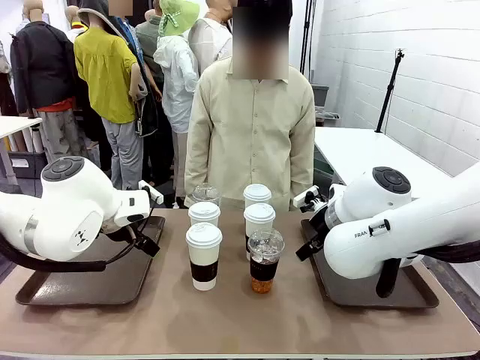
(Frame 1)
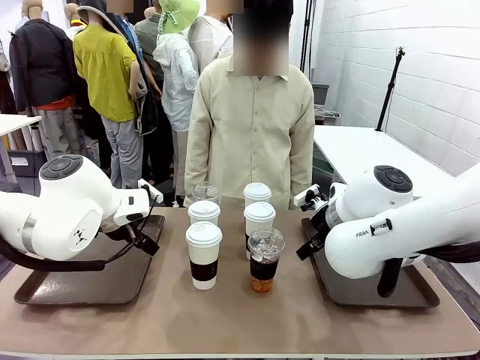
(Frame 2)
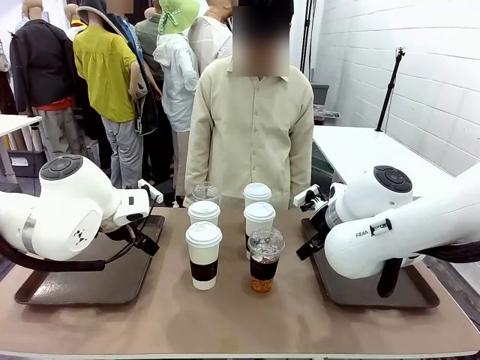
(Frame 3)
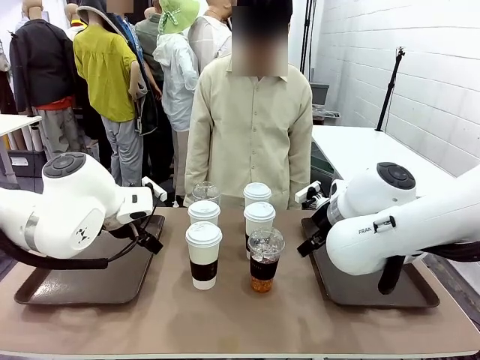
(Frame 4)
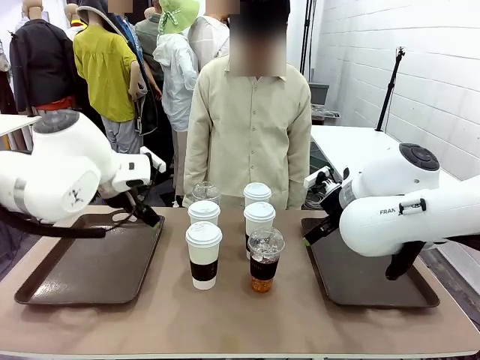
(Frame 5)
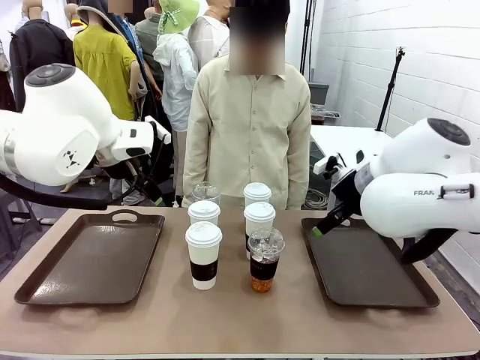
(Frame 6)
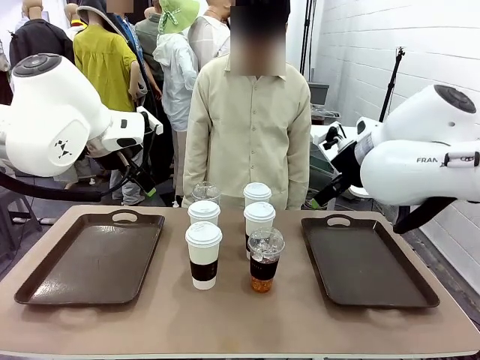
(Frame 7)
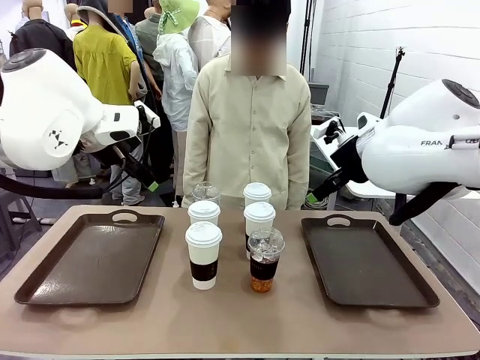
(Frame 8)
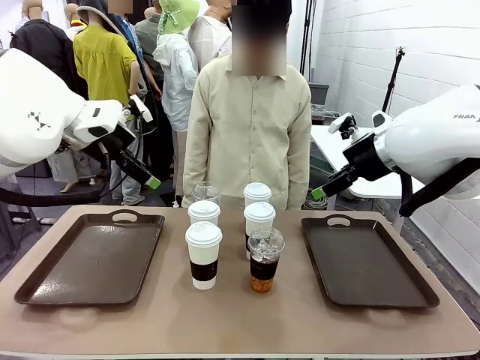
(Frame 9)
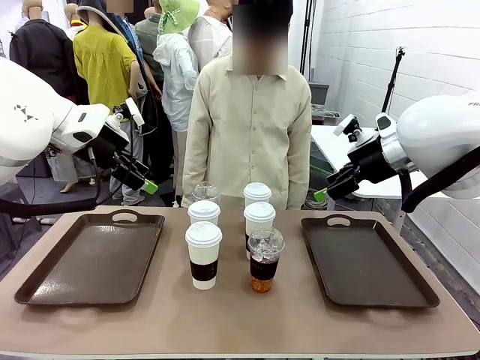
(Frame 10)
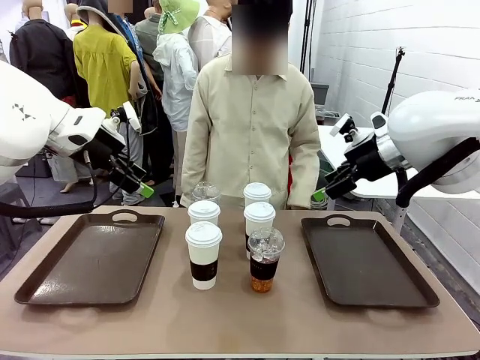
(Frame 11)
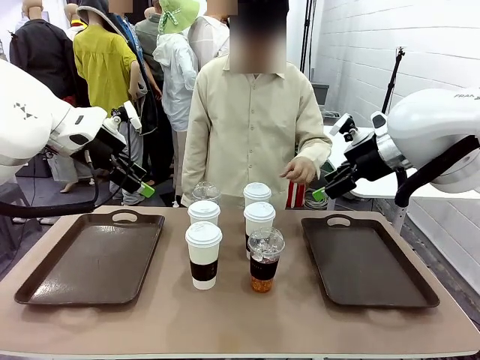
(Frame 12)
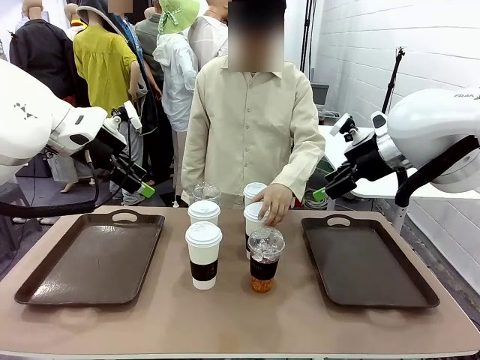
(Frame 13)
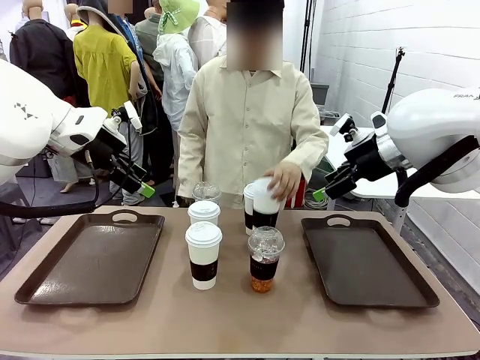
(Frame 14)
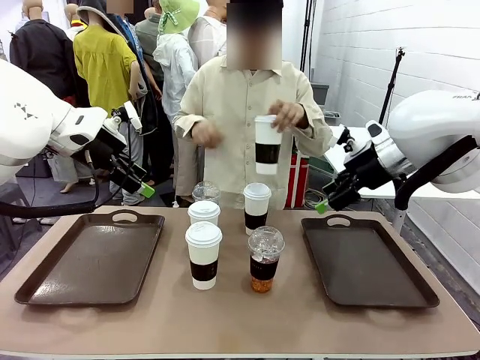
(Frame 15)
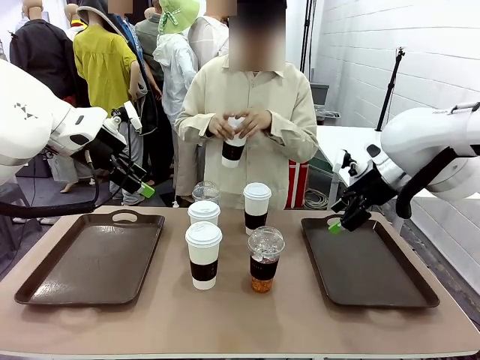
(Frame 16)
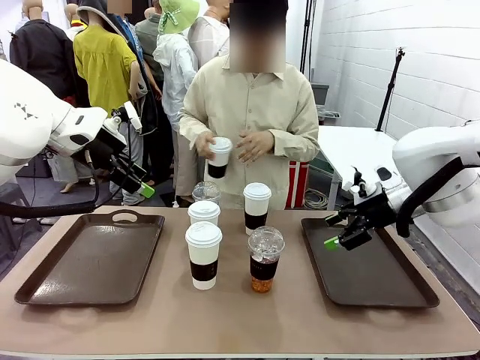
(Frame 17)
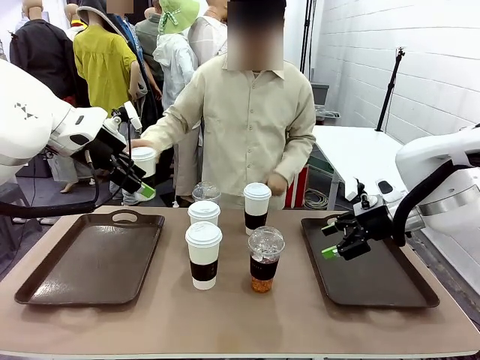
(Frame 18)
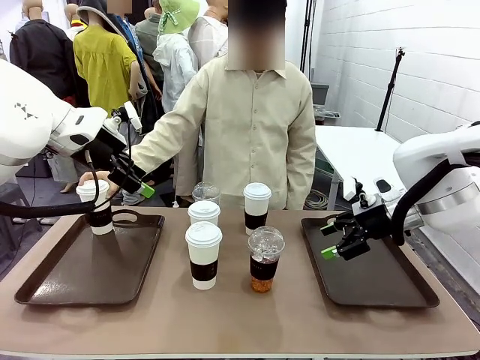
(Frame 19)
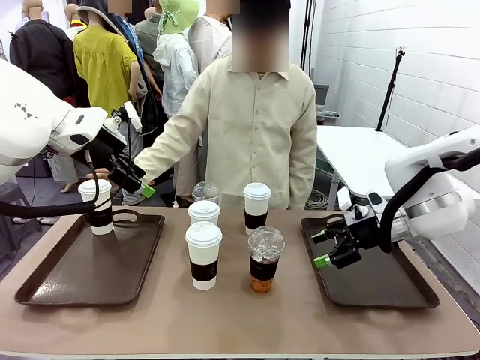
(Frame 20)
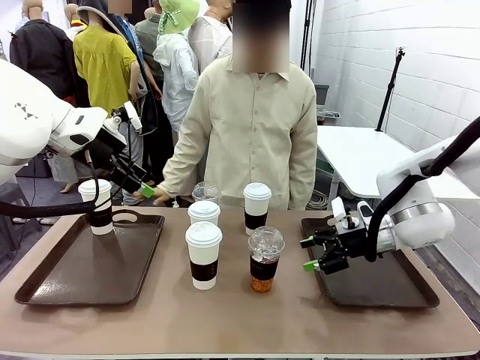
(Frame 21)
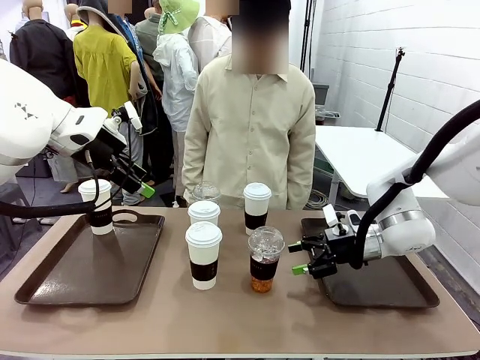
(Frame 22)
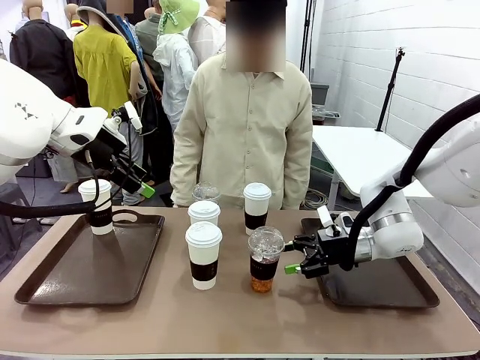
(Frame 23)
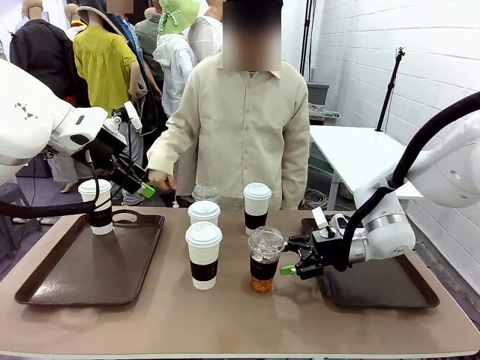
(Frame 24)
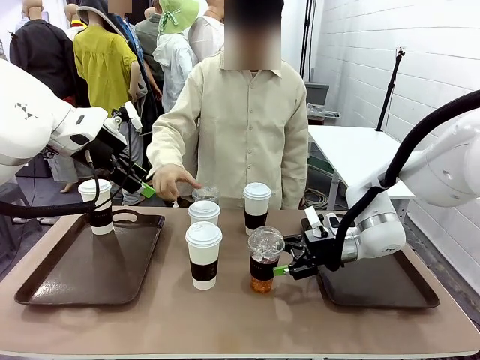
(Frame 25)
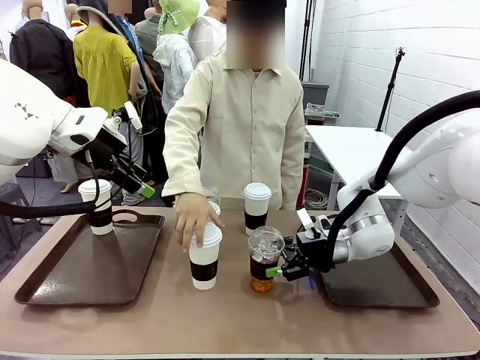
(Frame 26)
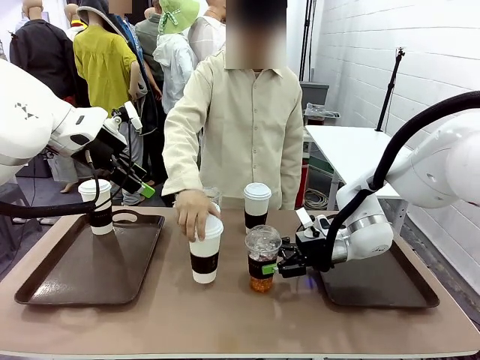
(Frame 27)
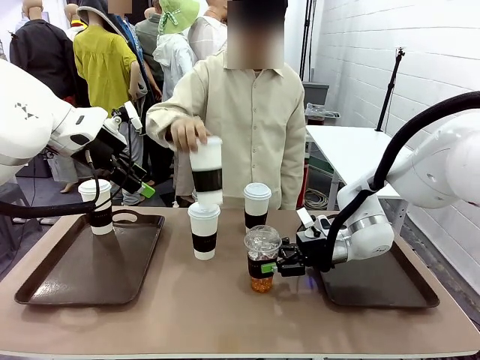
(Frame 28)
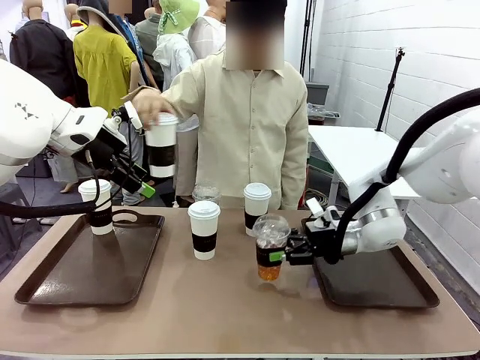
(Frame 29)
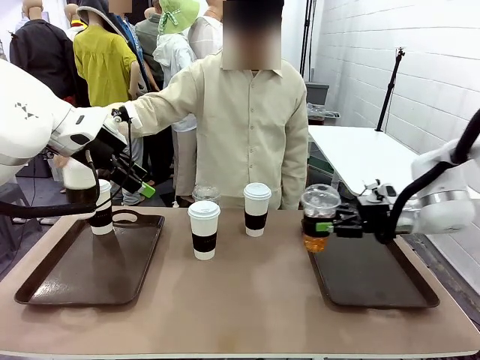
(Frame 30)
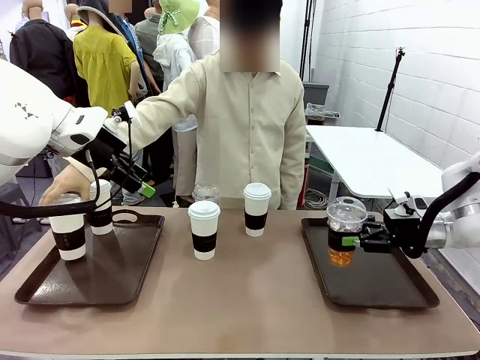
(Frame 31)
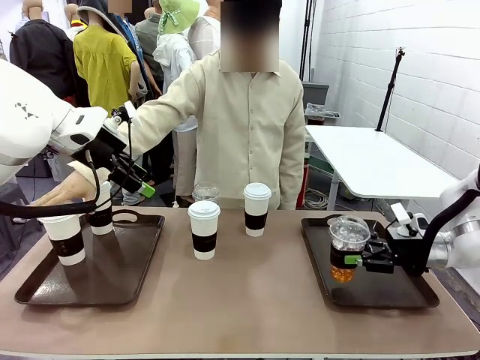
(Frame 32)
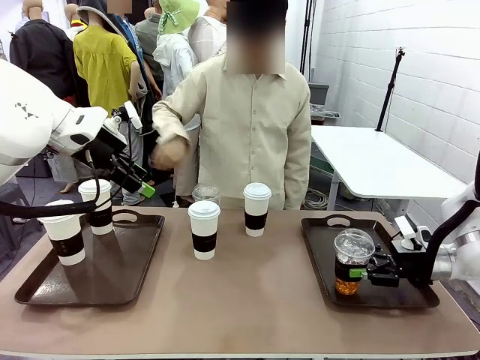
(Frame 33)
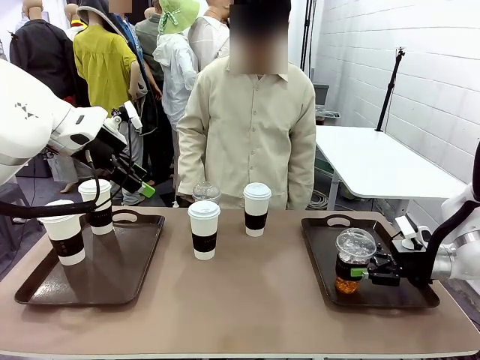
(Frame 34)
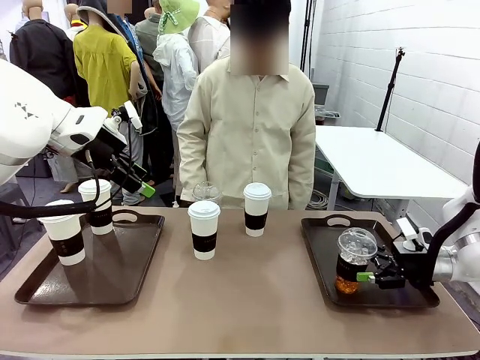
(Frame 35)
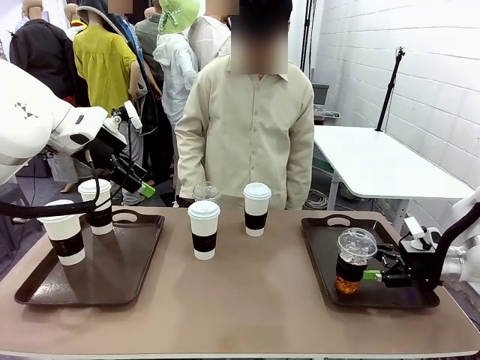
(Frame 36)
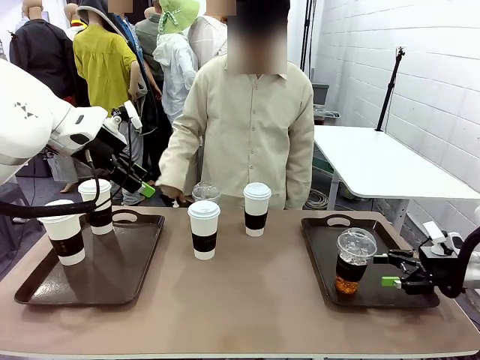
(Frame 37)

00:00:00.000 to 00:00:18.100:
Task: Distribute the coffee onto the tray.
Robot: Pick up one iced Americano and place it on the right Handle tray.
Person: Pick up a cup of hot Americano and place it on the right tray.

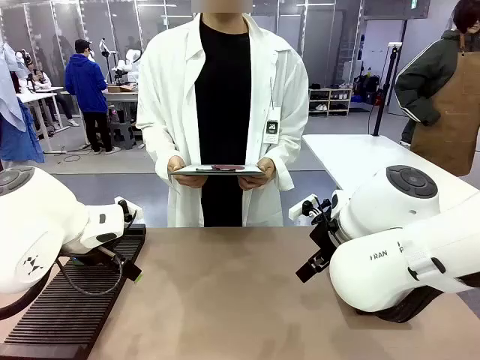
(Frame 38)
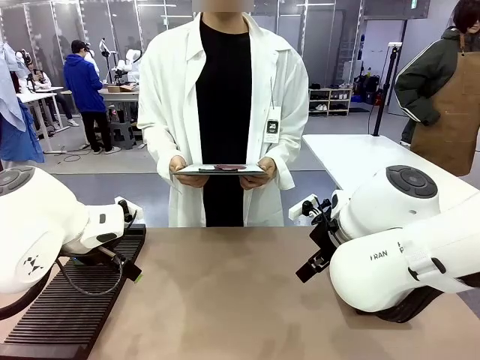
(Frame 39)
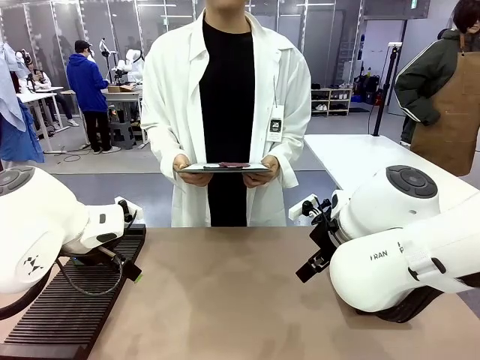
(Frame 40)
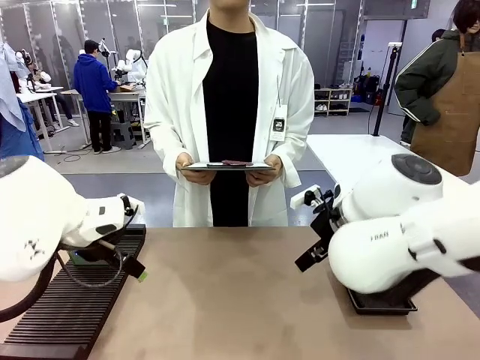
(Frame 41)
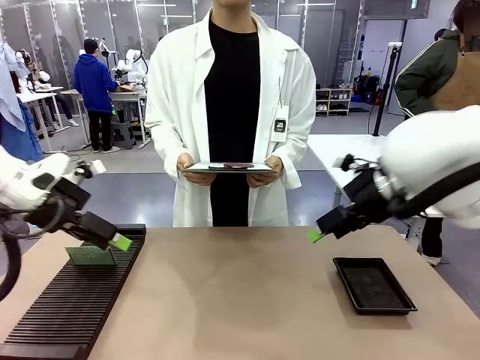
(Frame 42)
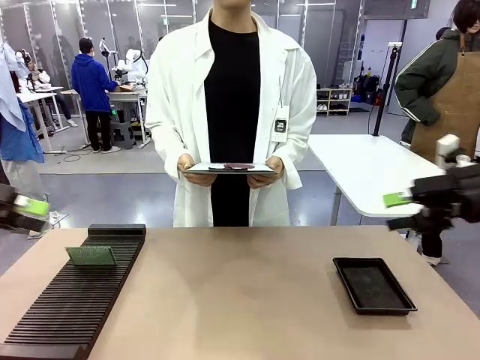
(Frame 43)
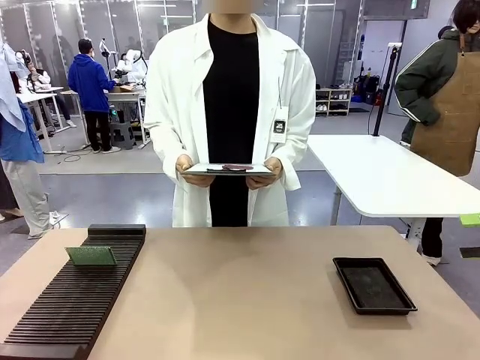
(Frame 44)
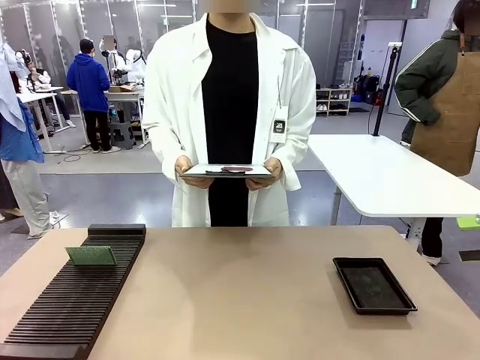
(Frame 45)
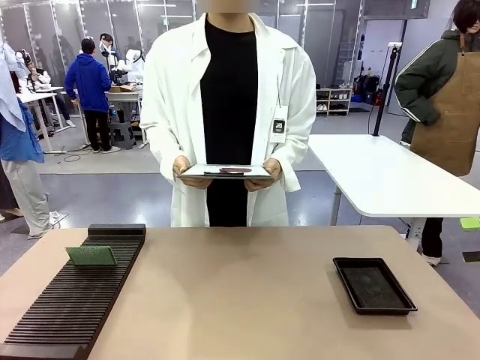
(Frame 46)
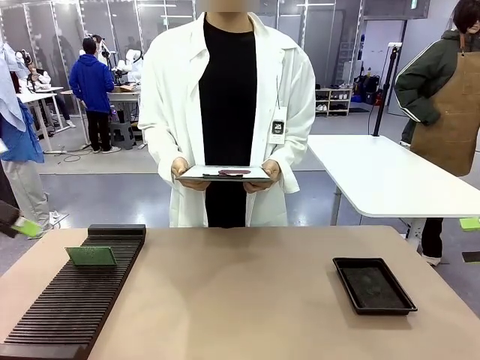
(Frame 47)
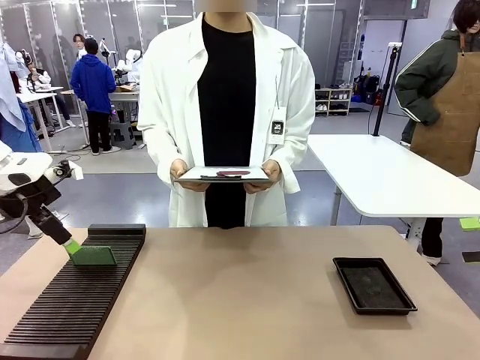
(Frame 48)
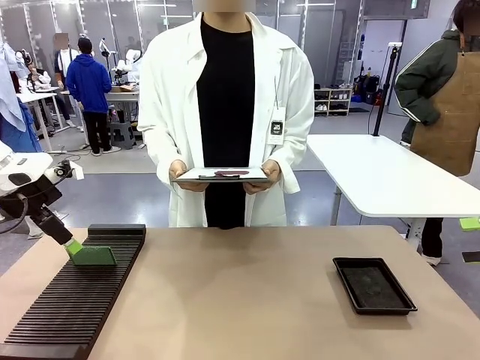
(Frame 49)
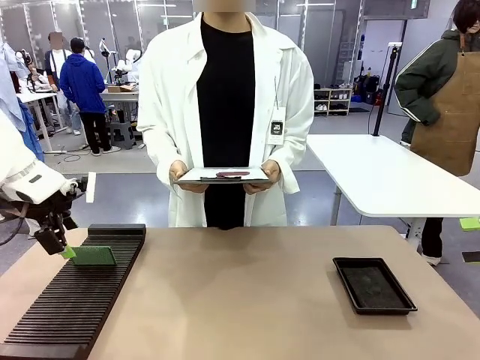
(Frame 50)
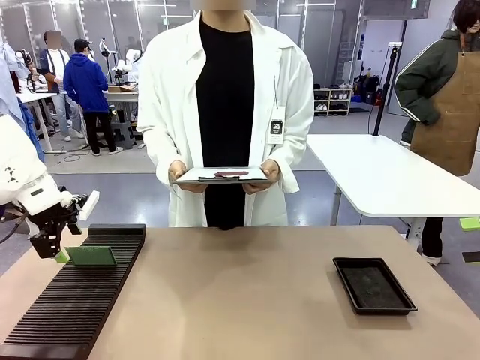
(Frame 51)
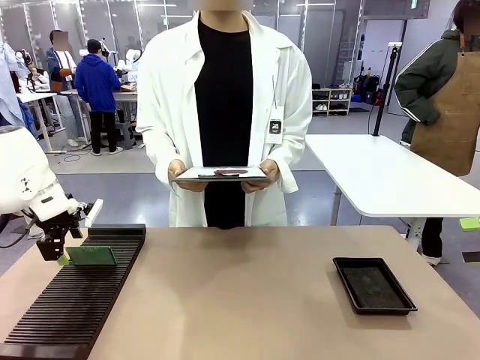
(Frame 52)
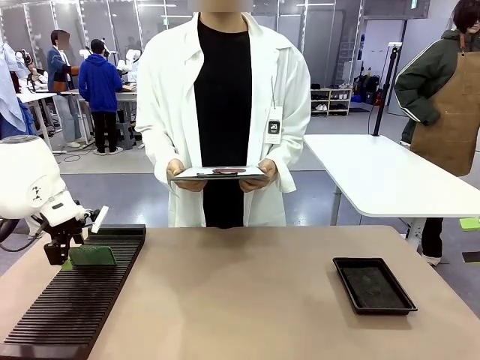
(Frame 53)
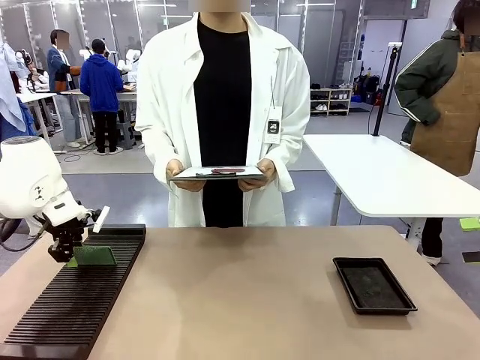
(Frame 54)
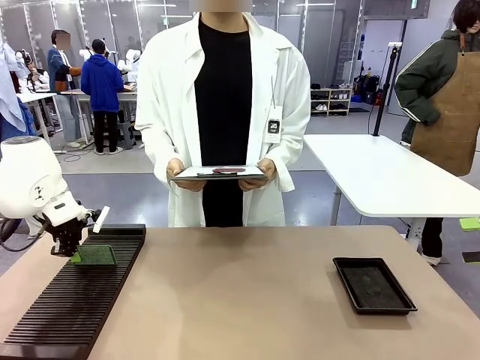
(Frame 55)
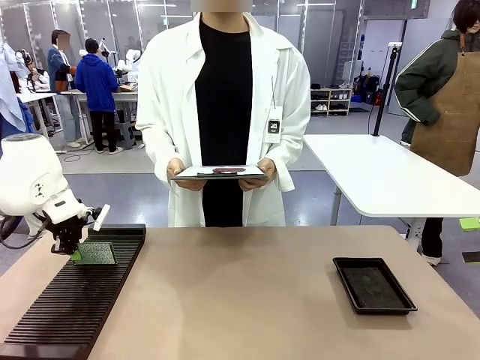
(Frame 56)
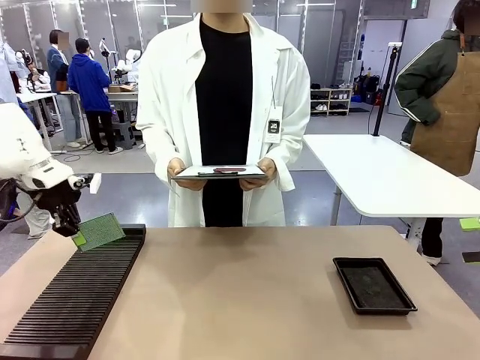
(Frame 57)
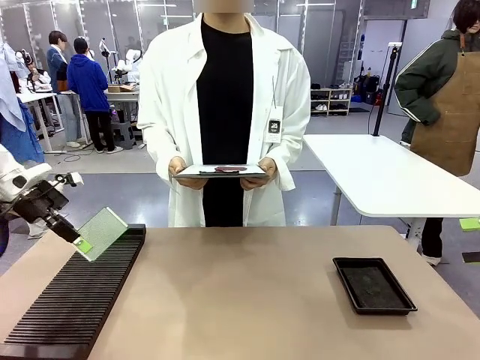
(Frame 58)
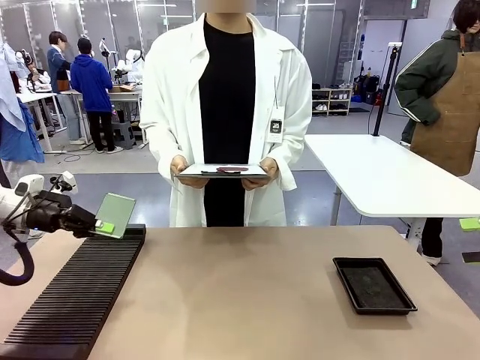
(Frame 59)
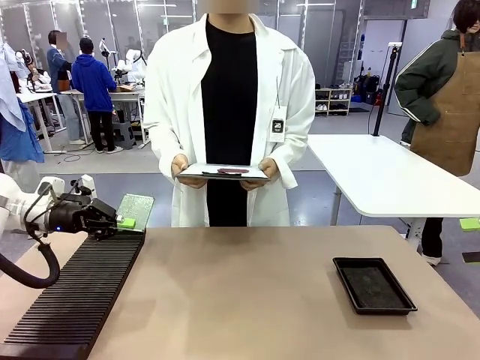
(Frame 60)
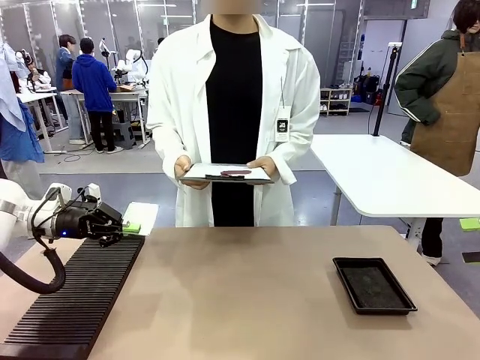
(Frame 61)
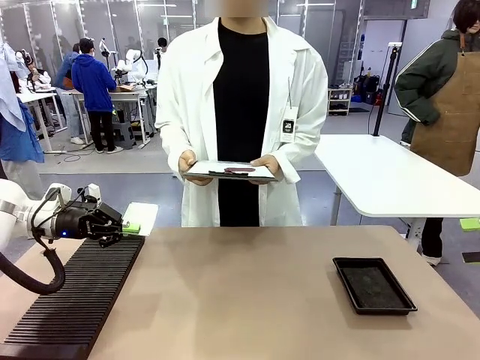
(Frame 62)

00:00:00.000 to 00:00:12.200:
Task: Inspect the PCB.
Robot: Pick up the Blank PCB and present it to the human.
Person: Pick up the PCB presented by the robot.
